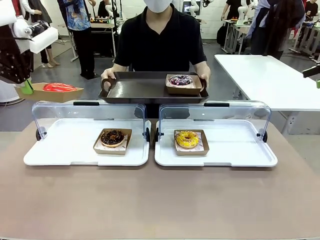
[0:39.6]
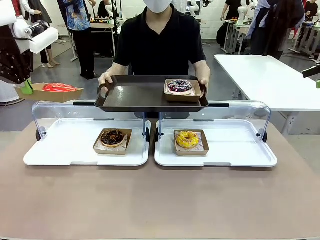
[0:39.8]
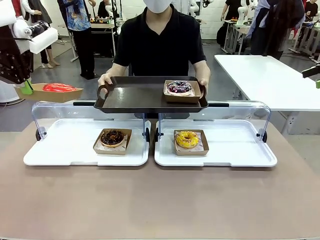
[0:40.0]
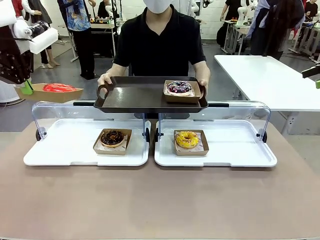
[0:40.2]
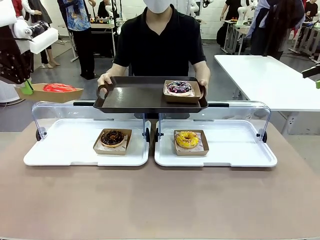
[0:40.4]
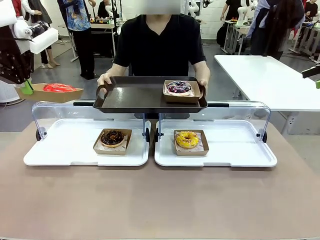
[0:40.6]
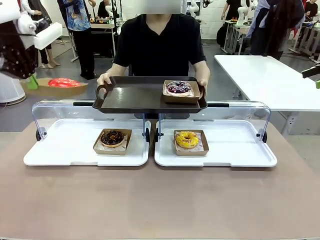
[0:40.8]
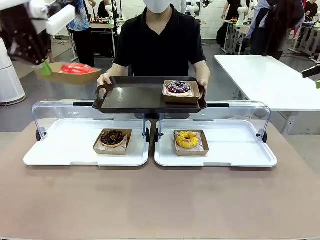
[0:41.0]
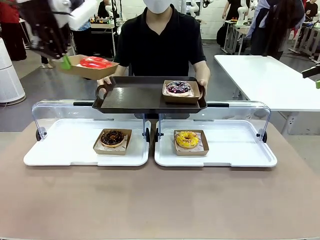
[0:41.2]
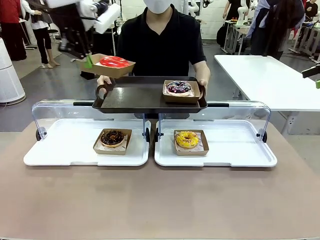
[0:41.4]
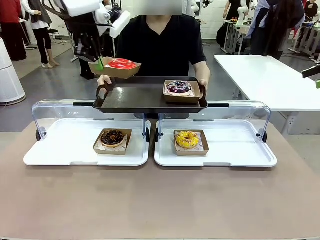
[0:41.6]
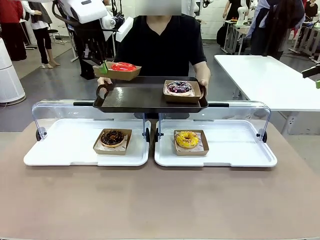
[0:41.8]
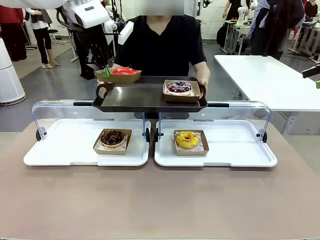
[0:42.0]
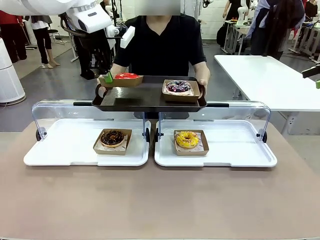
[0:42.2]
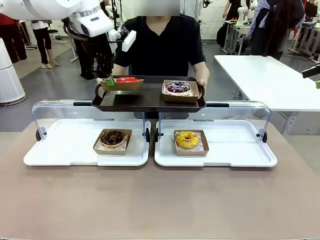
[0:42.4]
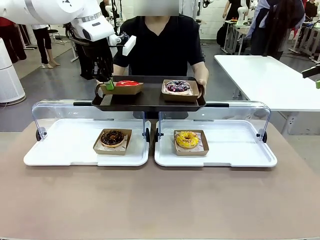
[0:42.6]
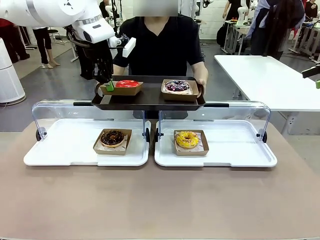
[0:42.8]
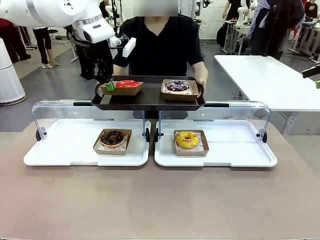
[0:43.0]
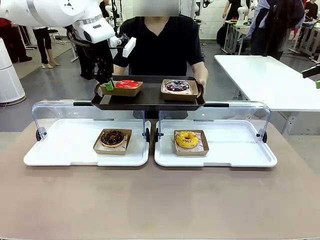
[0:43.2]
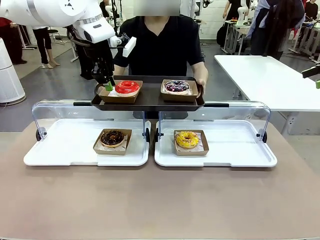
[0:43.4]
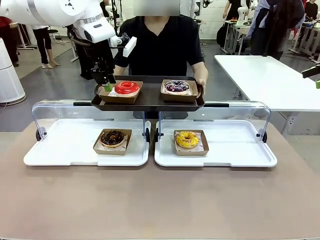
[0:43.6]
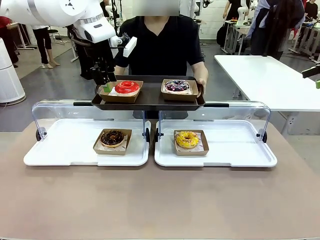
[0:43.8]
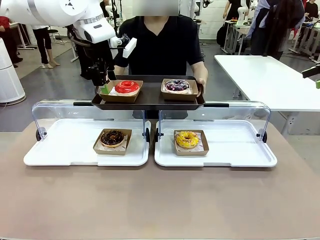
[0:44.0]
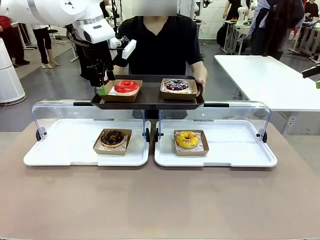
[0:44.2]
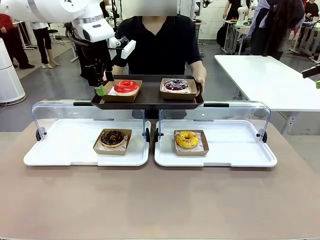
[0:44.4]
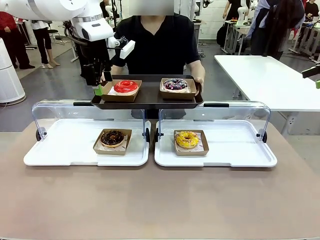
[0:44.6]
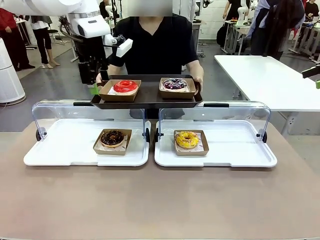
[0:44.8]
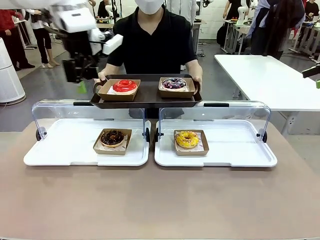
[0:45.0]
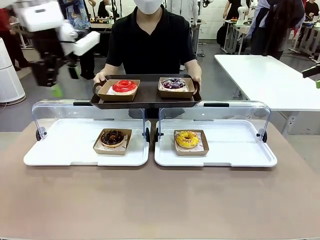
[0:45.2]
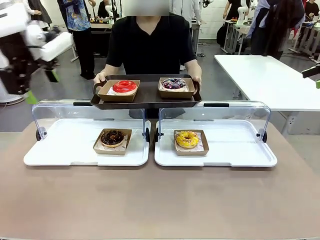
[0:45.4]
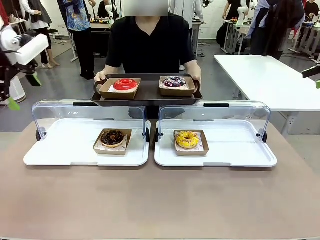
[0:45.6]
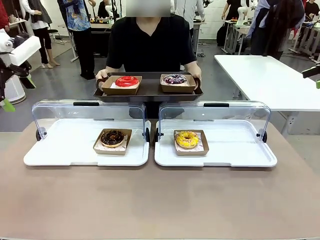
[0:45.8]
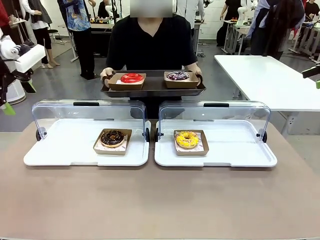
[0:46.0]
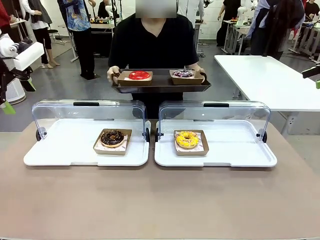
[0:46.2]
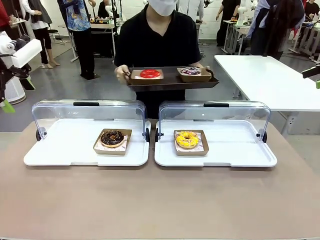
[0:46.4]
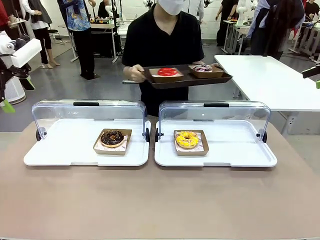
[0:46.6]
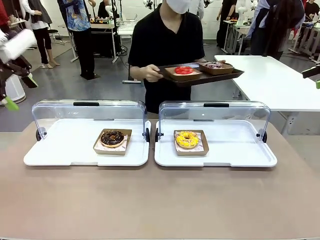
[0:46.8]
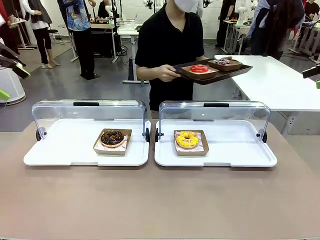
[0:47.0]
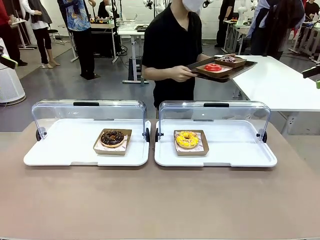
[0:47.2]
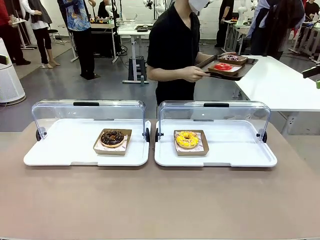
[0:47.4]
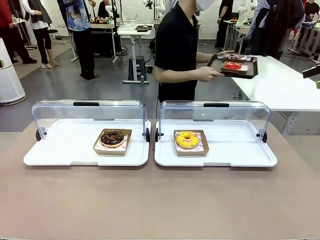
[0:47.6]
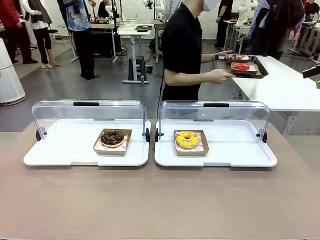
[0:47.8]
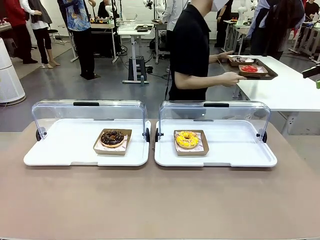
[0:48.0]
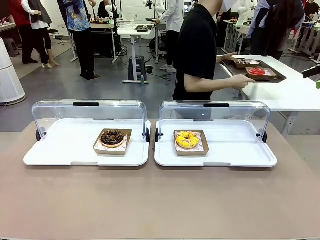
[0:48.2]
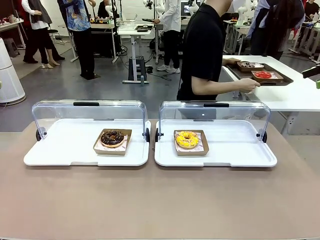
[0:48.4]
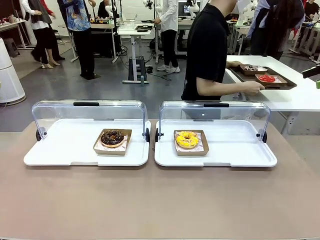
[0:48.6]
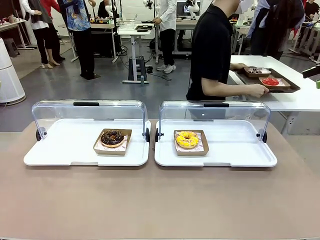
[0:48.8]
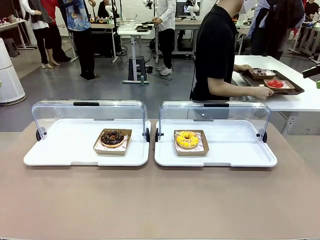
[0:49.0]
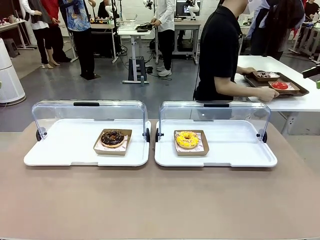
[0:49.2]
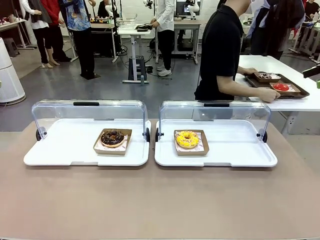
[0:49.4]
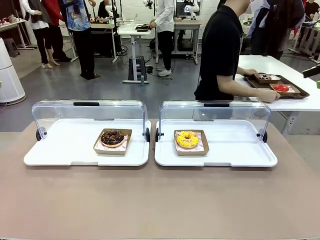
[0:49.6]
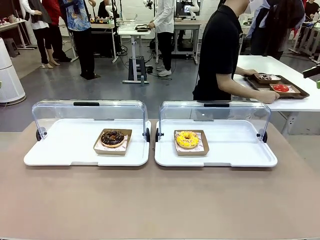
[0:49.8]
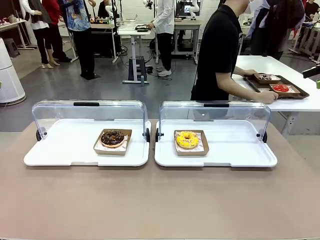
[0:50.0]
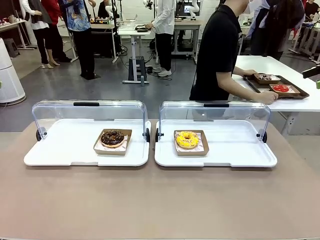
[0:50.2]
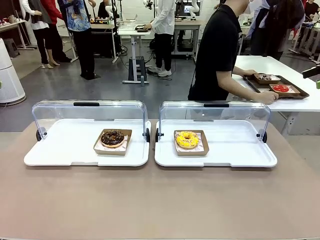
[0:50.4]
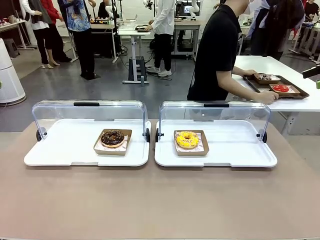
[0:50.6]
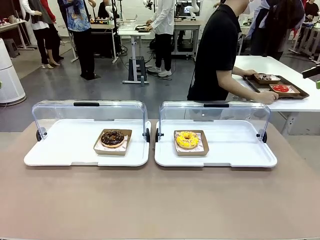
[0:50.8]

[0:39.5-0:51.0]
Task: Provide the desired donut to the person.
Robot: Place the picked Paper togo box onto the Handle tray extended by the person.
Person: Place the tray in the middle of the human table.

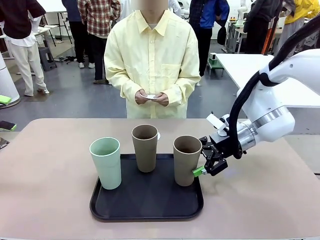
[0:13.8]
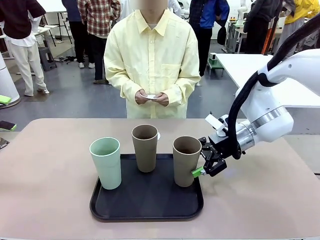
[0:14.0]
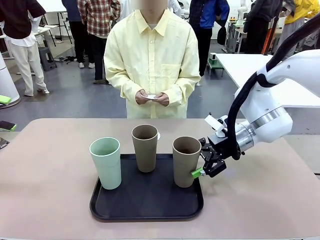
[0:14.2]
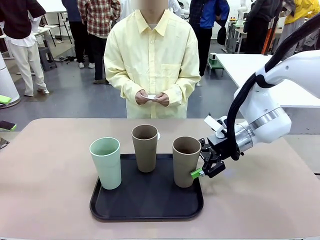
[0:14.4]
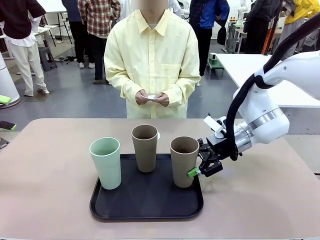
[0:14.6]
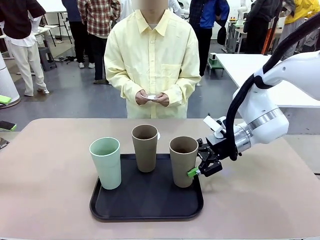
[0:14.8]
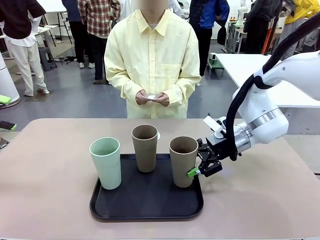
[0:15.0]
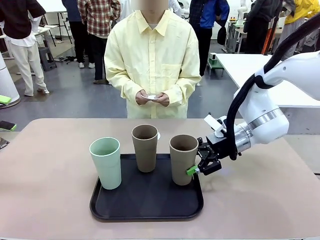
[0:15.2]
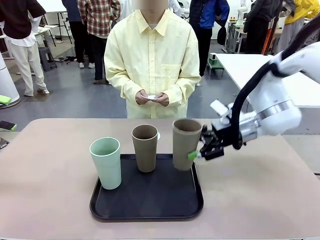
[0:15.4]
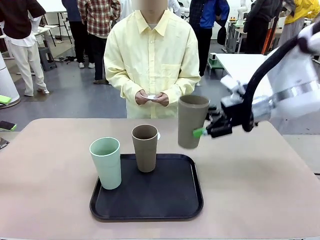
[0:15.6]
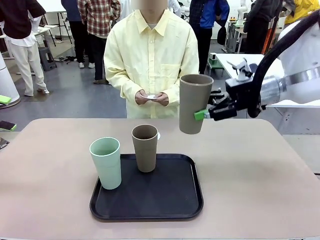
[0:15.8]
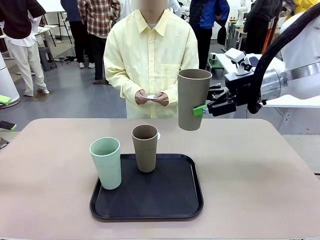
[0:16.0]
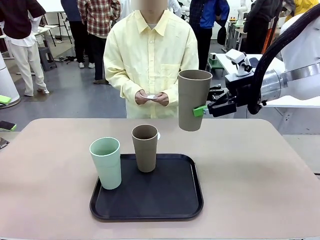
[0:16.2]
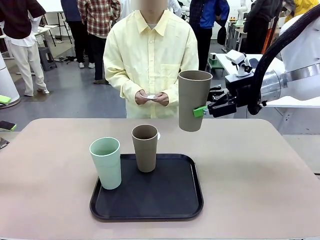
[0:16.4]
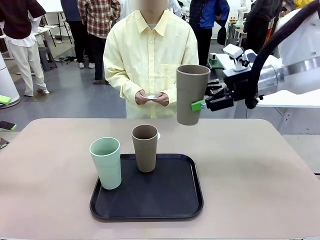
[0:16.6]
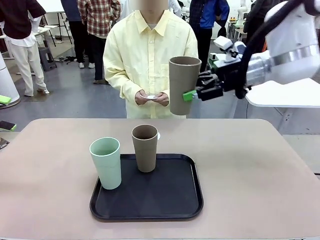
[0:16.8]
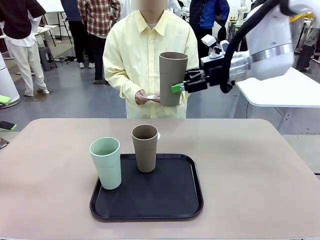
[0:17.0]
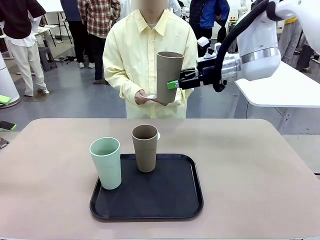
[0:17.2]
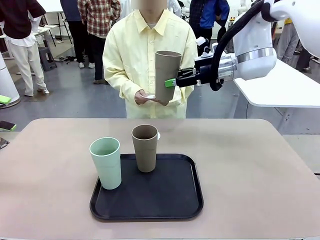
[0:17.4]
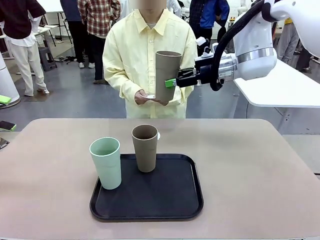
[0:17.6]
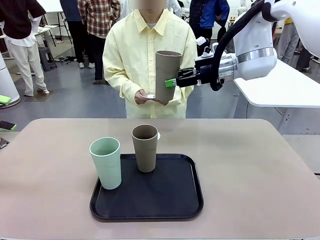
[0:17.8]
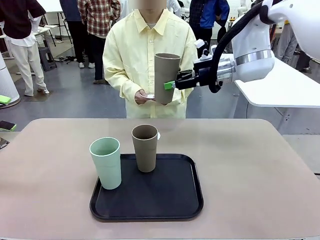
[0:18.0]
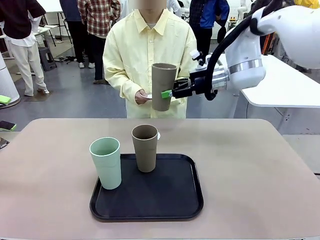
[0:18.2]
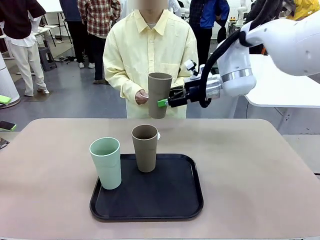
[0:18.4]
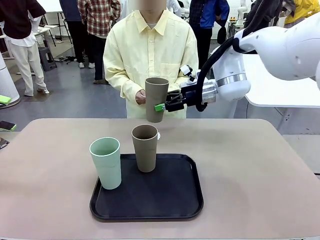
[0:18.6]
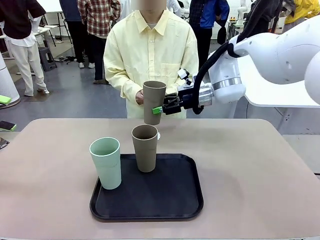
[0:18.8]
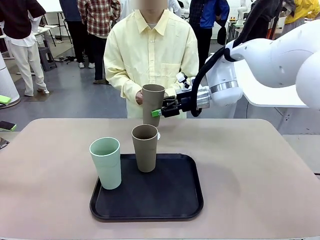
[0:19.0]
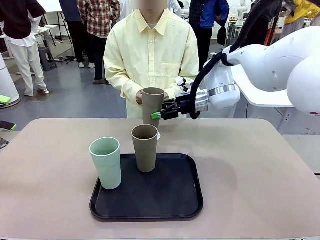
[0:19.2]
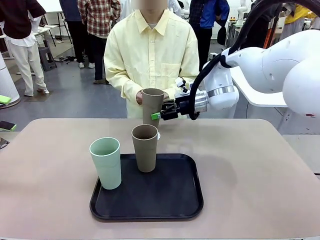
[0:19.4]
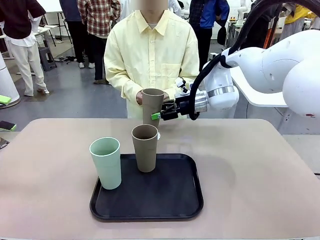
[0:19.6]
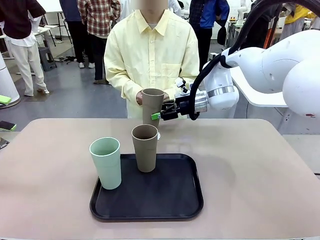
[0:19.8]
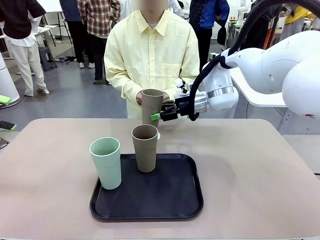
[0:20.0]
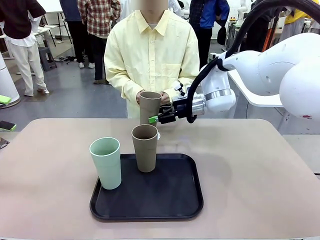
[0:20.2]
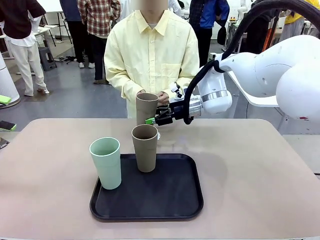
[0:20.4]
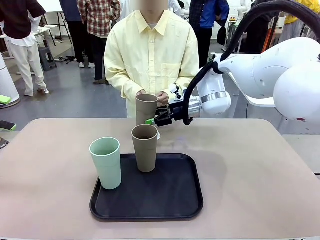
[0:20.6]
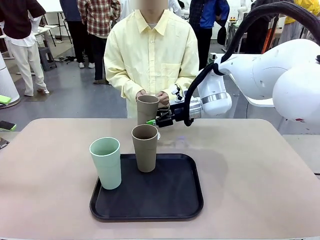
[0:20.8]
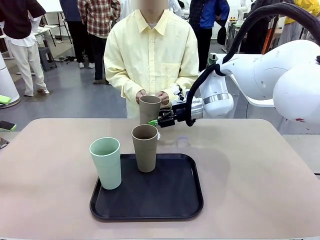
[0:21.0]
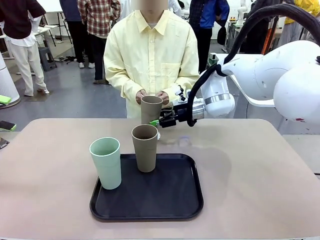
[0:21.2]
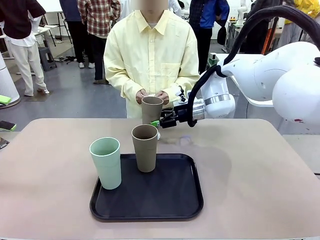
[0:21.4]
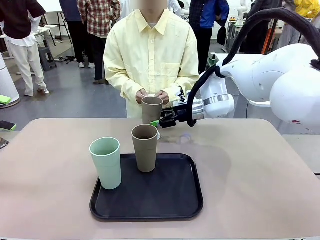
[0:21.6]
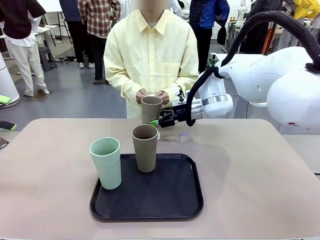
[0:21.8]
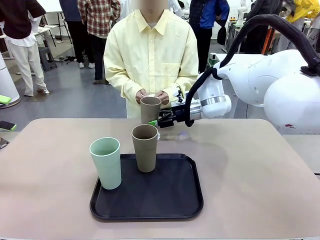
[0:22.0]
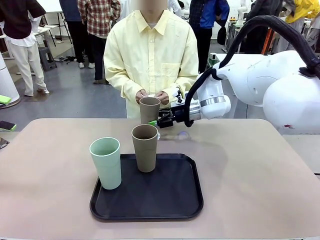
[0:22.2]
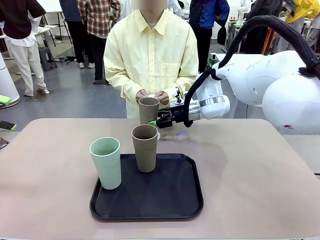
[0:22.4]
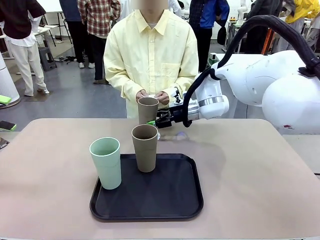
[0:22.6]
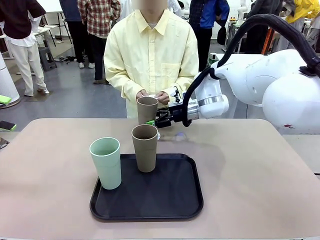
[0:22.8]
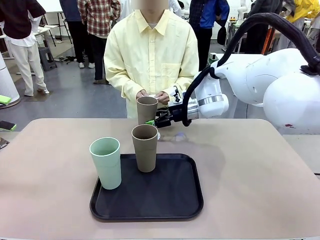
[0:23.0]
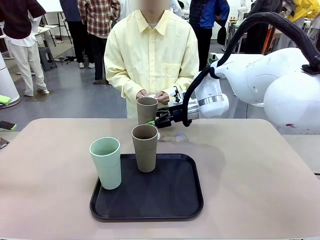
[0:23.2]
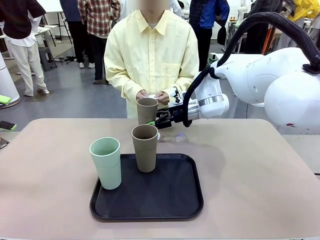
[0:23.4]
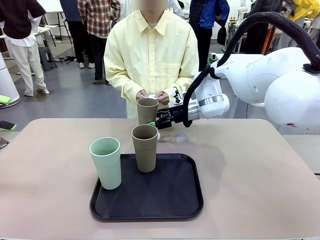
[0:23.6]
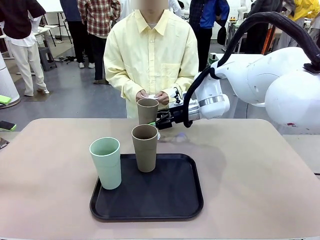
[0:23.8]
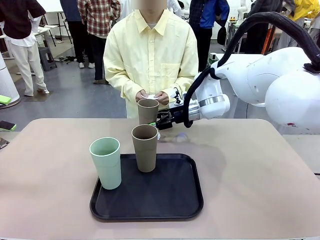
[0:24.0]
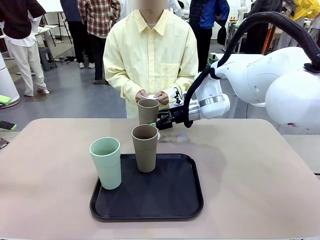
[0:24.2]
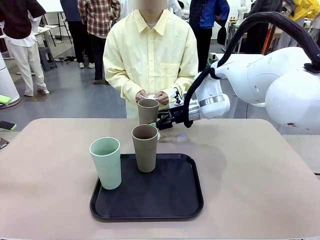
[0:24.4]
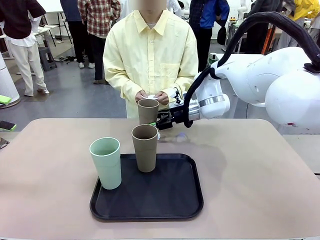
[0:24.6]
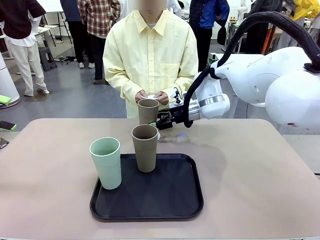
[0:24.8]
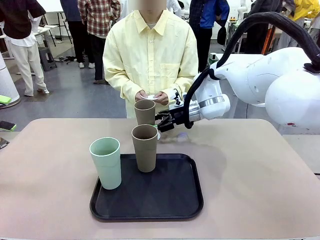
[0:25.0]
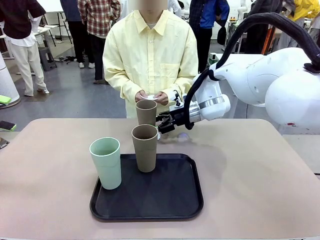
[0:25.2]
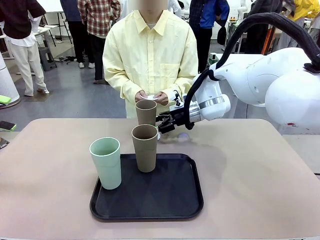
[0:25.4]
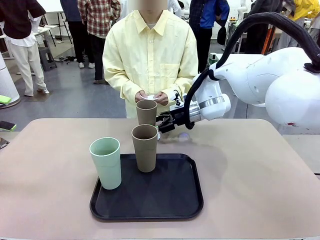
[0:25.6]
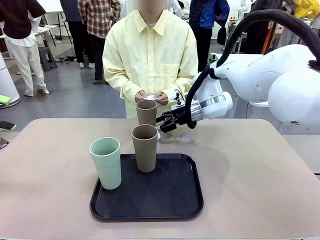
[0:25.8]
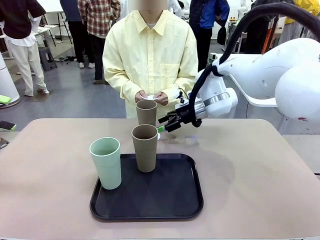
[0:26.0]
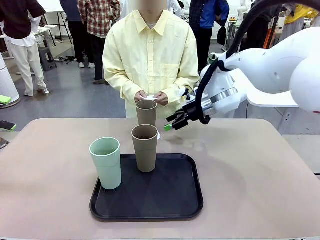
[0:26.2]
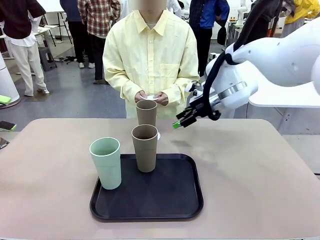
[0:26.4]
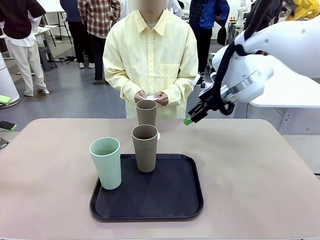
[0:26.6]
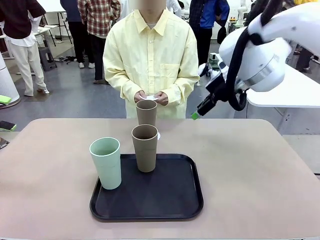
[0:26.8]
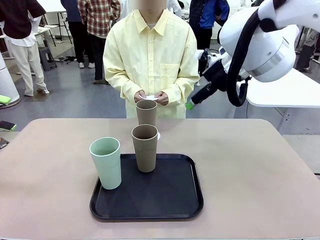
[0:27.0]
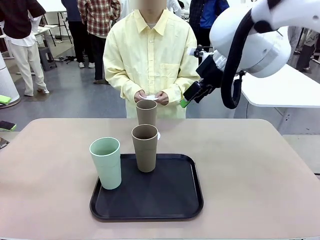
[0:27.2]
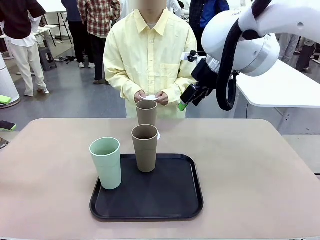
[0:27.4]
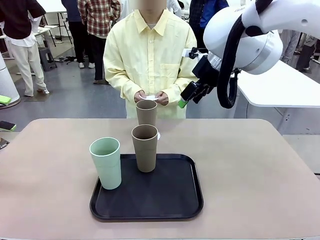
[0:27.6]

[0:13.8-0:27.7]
Task: Place coasters on the table and set cups on them.
Robot: Pick up one Reusable plastic cup and place it on a coaster set by the human.
Person: Place one coaster in one of the two areas excluding the previously selected area.
